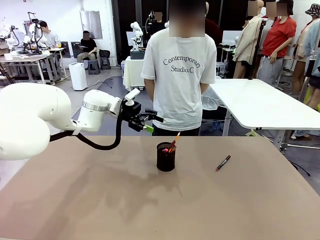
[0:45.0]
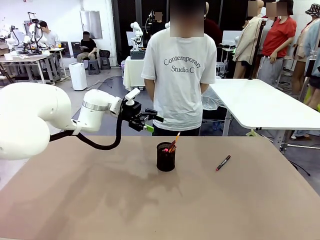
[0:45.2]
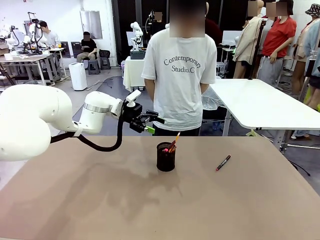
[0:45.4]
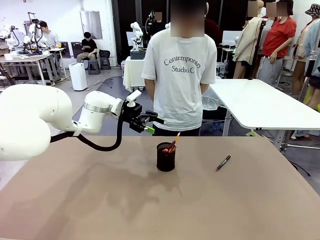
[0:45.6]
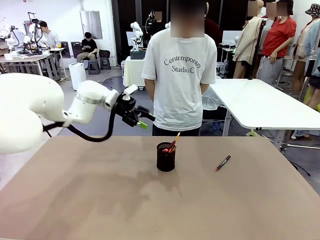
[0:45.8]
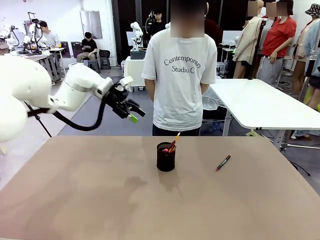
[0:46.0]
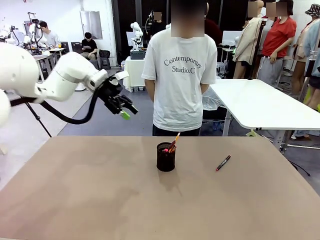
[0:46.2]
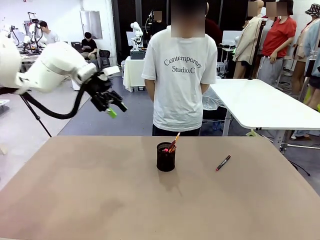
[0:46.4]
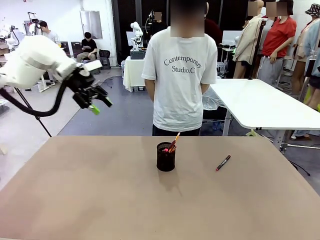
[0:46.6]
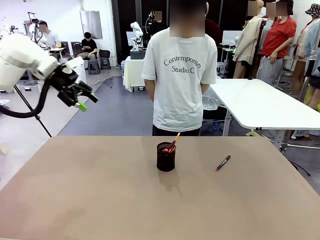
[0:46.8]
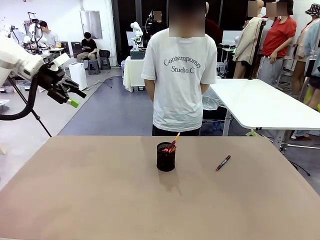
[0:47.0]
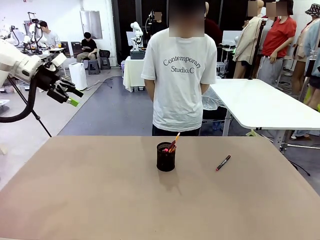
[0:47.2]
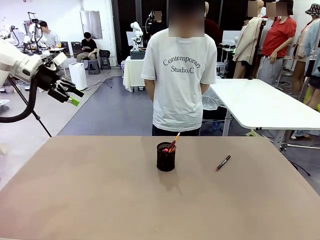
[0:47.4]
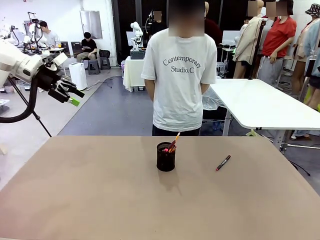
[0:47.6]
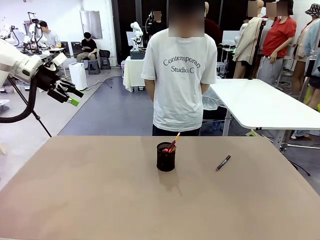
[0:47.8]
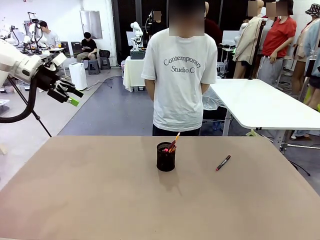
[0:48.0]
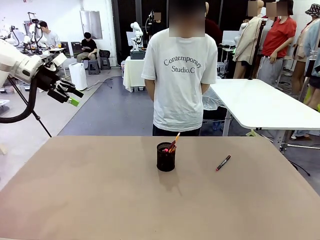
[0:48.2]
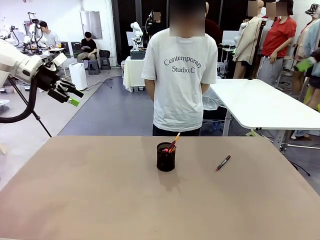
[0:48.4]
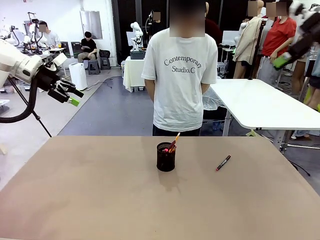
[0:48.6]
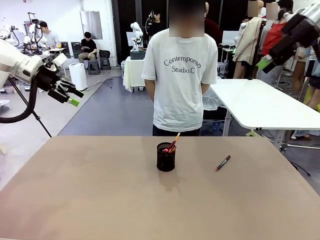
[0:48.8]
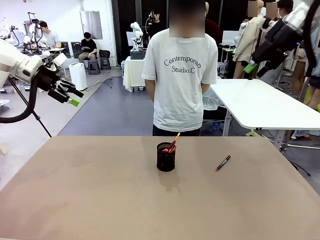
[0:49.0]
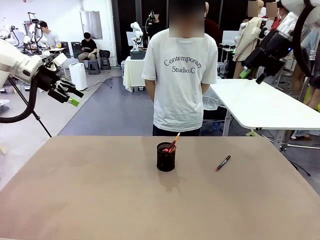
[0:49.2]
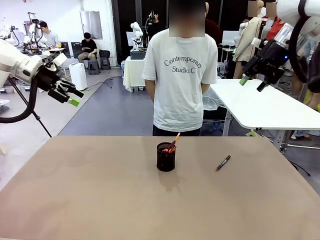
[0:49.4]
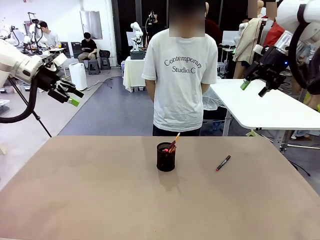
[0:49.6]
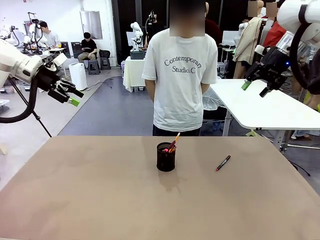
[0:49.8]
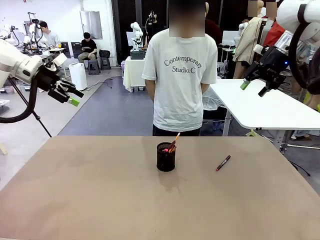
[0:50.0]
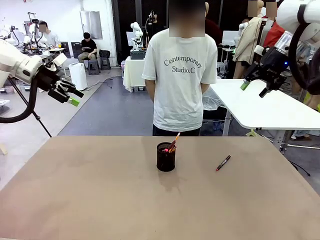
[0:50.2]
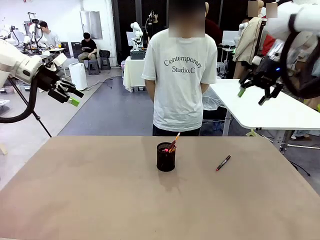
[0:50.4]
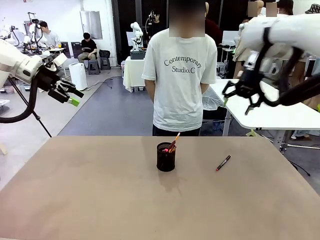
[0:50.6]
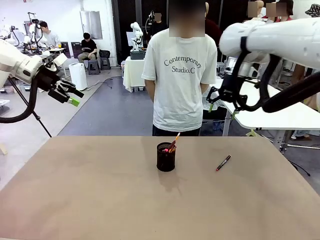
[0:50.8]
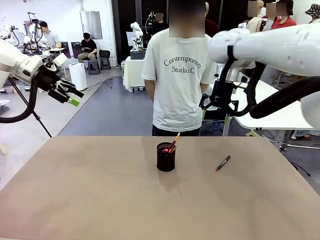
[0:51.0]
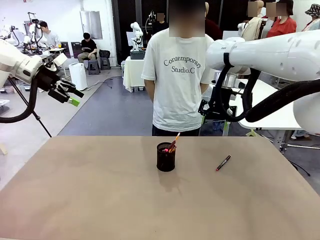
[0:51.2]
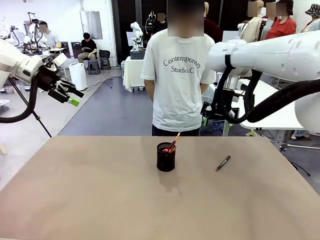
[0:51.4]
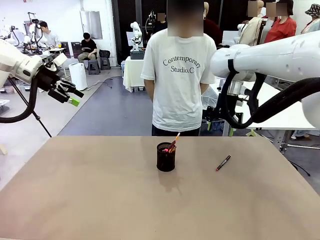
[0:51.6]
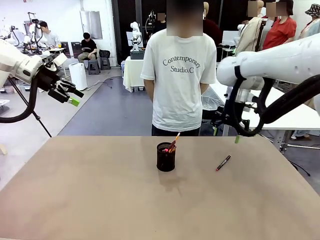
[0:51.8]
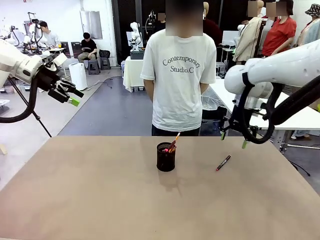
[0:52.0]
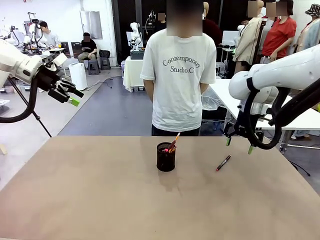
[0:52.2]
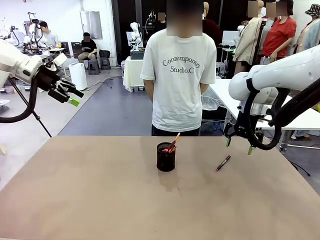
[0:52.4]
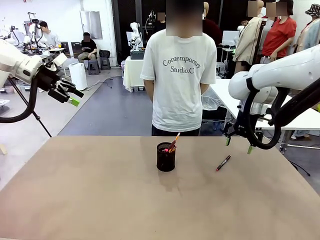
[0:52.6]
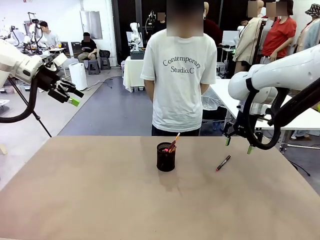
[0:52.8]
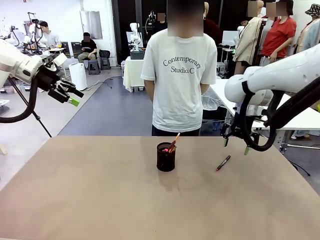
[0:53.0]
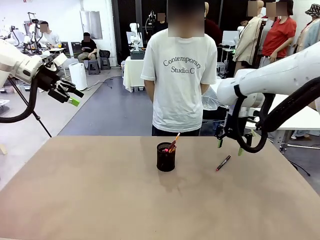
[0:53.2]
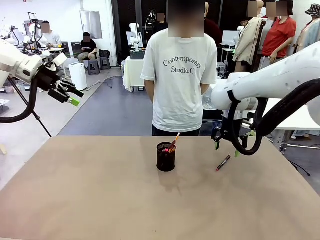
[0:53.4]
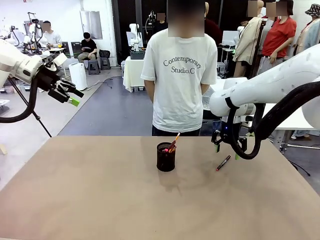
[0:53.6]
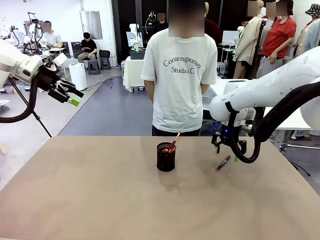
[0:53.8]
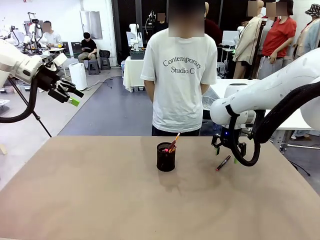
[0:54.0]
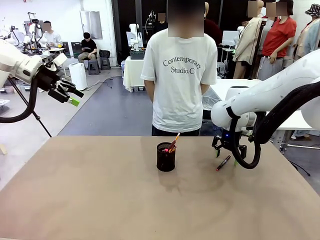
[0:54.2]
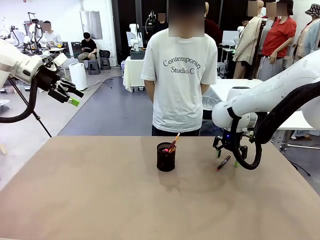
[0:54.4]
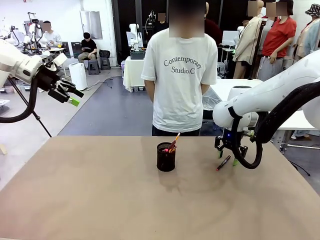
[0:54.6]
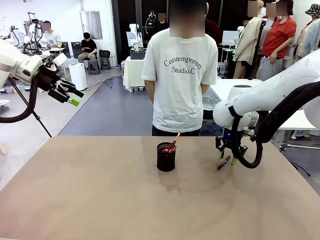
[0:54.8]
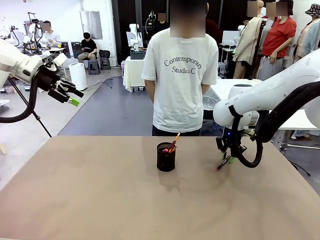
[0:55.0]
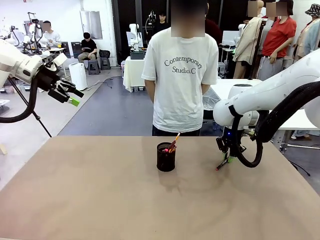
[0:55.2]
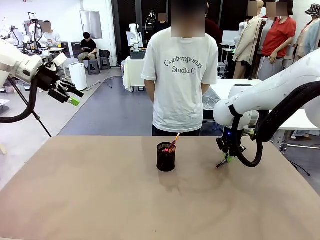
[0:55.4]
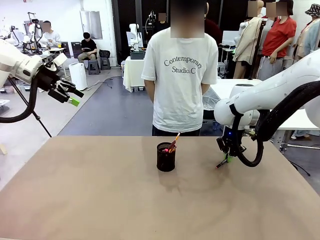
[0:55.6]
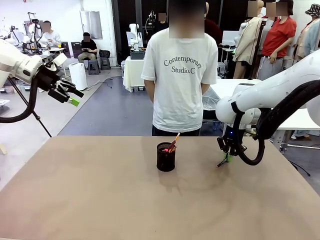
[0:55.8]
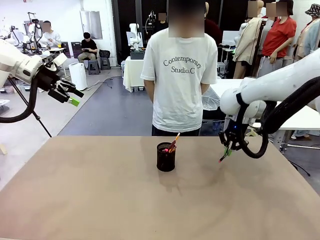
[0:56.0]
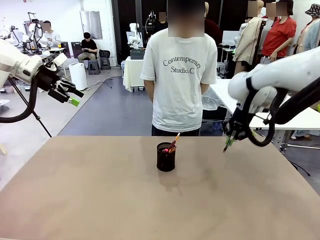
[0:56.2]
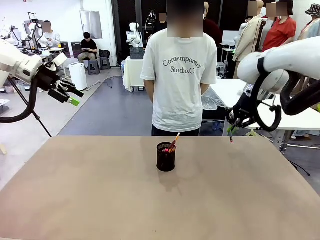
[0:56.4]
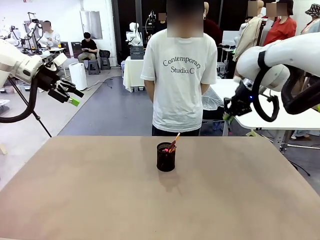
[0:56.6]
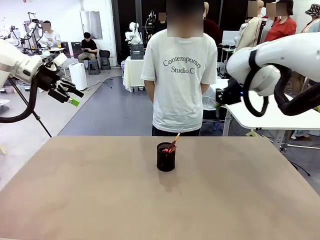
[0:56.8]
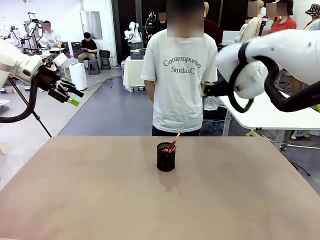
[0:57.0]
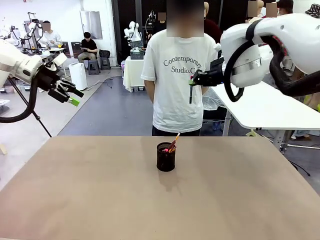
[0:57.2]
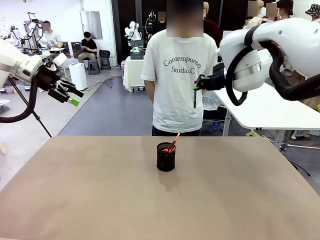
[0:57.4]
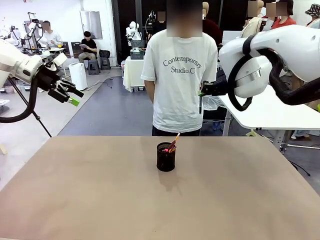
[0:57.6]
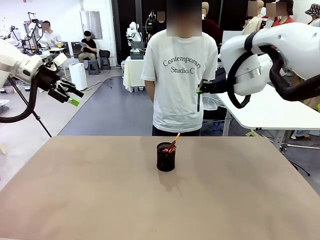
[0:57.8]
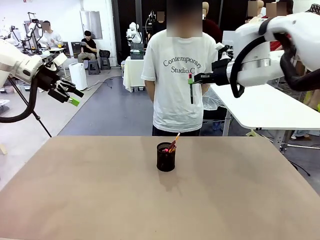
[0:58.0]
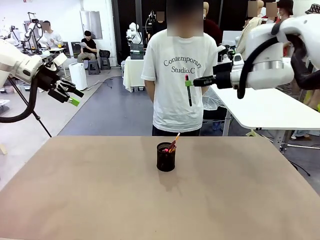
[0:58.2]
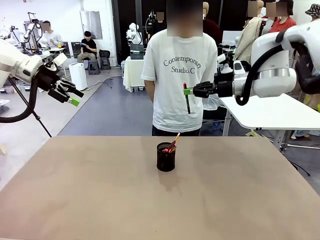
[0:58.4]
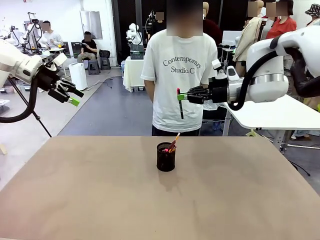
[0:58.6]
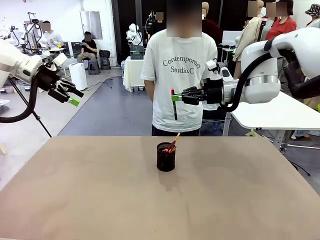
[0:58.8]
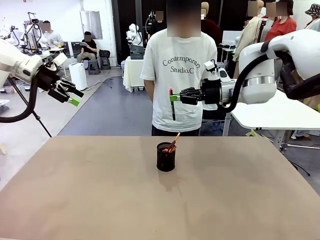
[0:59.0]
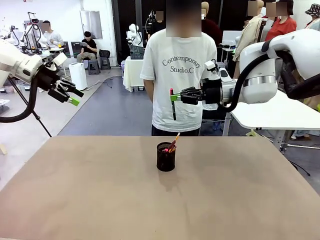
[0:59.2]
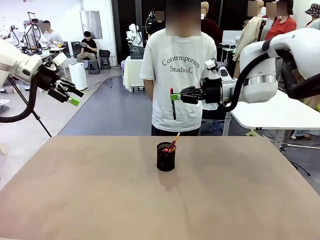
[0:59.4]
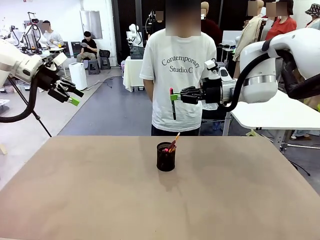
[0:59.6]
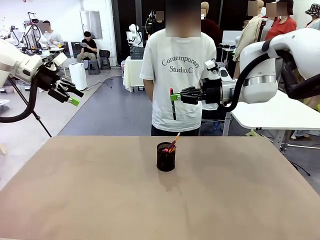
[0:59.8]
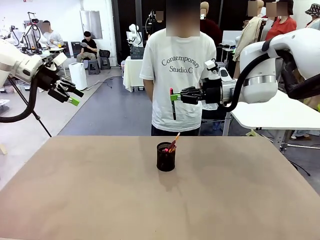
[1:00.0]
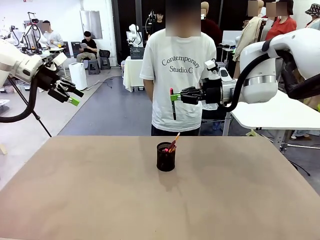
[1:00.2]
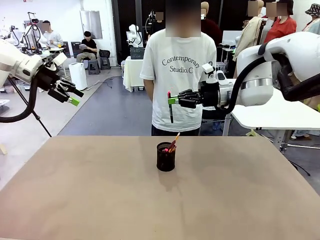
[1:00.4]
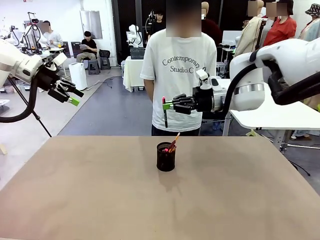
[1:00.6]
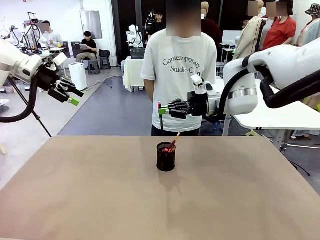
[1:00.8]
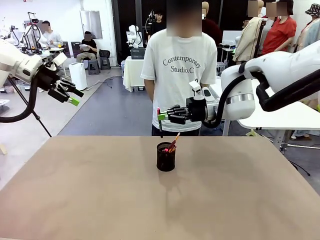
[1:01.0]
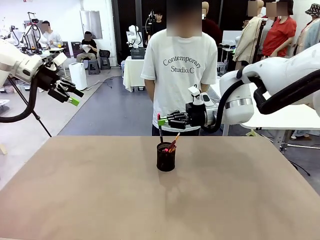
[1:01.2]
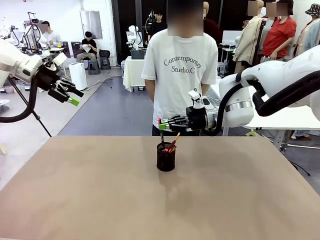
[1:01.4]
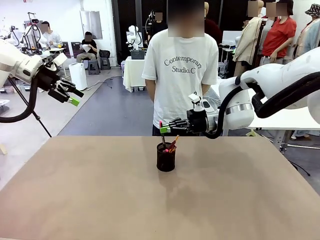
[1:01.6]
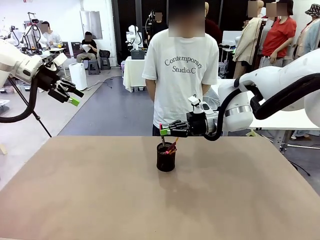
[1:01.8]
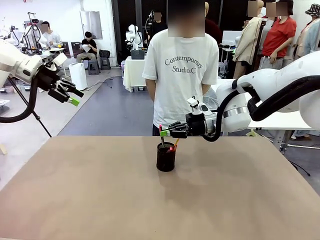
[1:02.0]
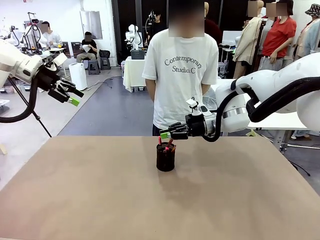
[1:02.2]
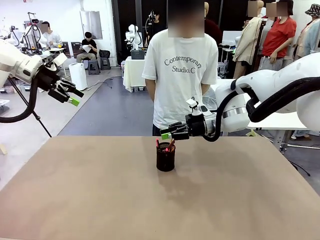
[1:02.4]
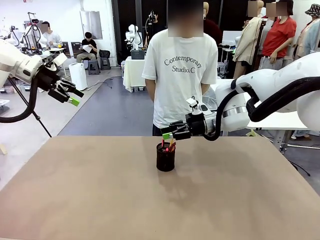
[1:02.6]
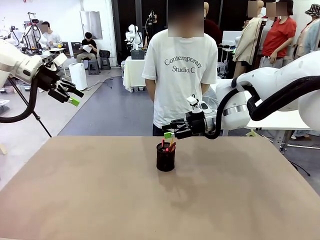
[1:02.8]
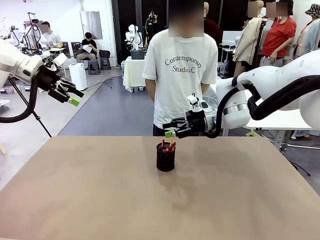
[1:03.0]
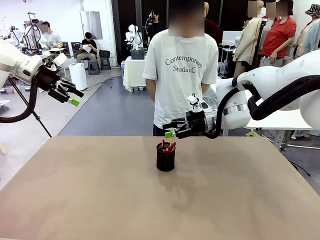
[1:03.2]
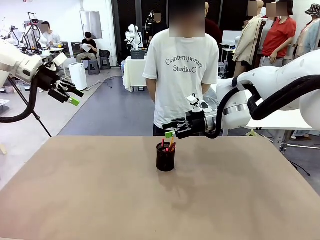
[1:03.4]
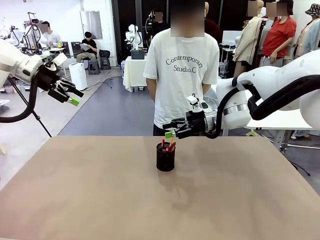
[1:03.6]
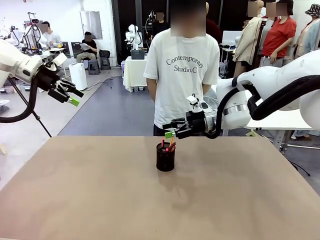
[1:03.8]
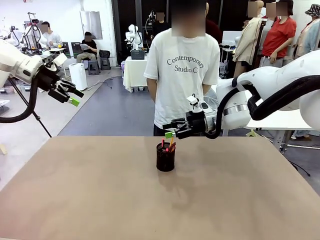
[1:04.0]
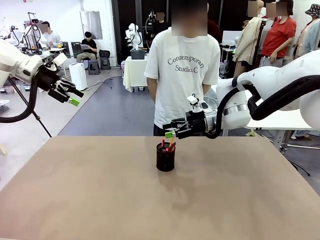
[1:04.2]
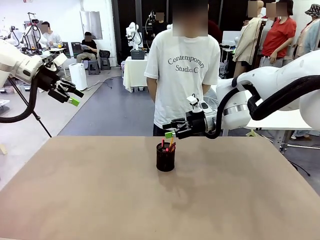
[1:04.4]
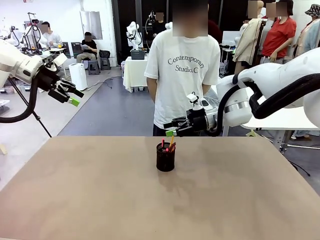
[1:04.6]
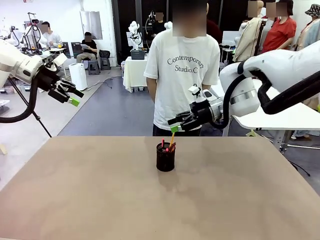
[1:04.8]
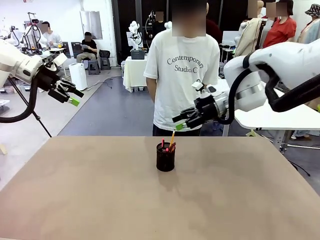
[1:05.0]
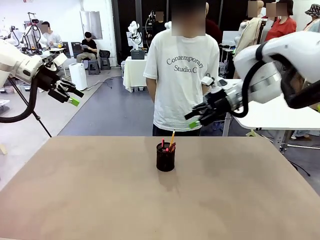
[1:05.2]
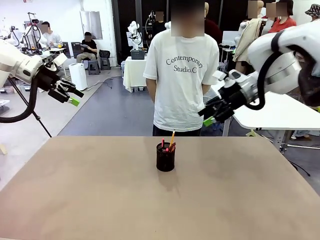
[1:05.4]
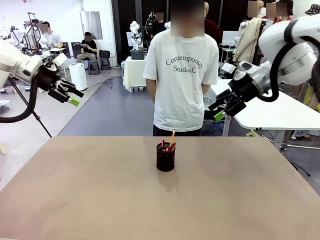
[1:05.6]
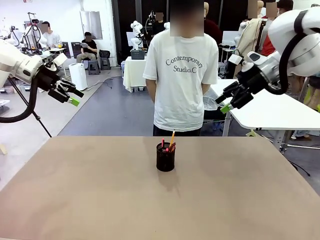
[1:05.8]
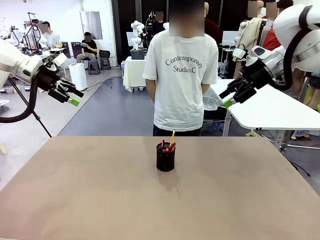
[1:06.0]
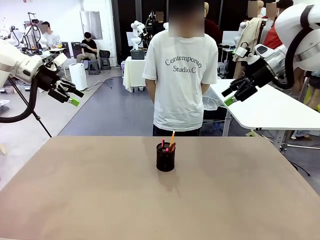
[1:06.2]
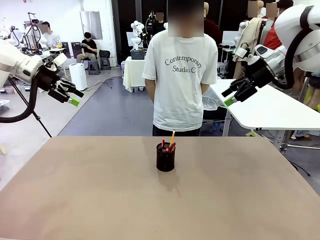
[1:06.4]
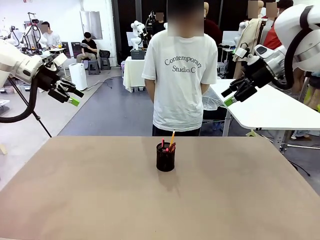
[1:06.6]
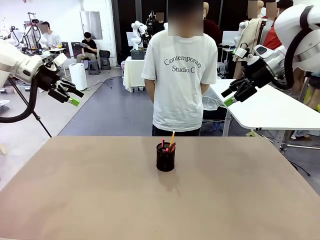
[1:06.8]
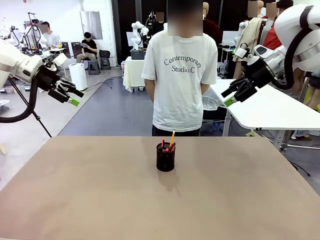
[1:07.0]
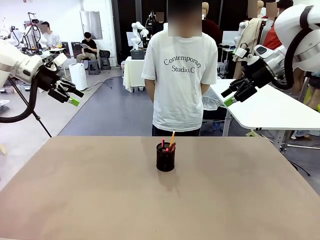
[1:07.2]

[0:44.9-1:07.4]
Task: Place the pens into the pen holder.
Robot: Pick up a writing instrument from the table and place it into the Pen holder.
